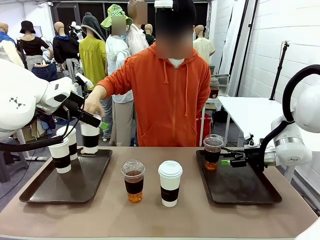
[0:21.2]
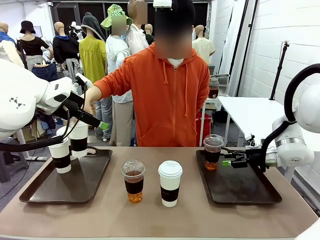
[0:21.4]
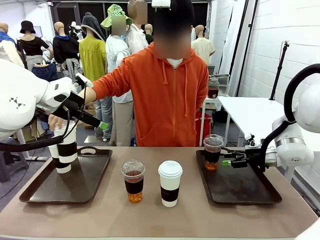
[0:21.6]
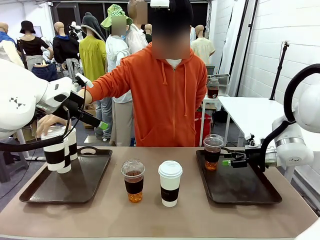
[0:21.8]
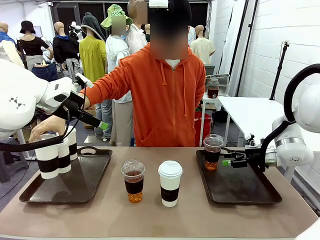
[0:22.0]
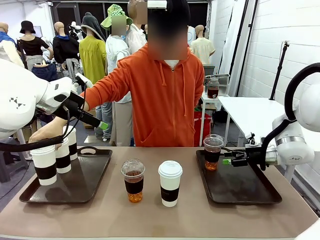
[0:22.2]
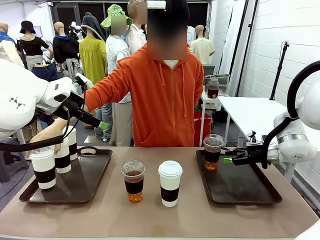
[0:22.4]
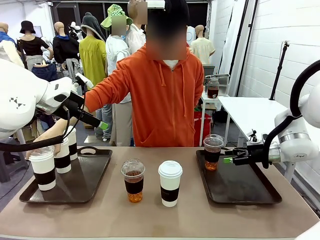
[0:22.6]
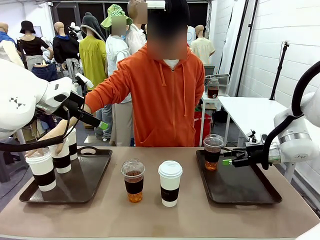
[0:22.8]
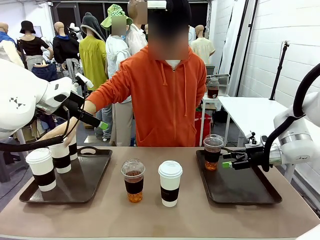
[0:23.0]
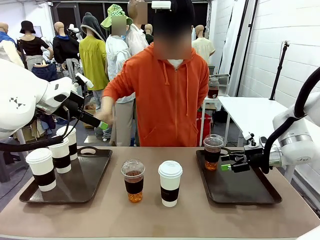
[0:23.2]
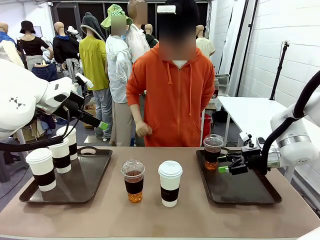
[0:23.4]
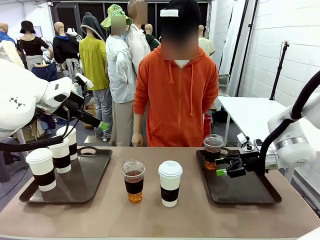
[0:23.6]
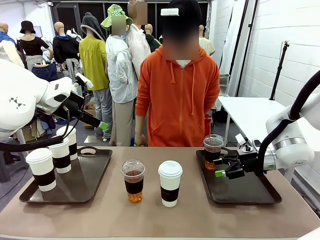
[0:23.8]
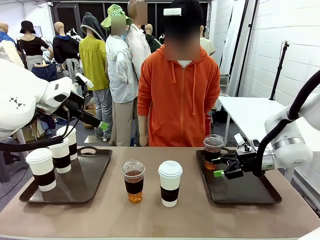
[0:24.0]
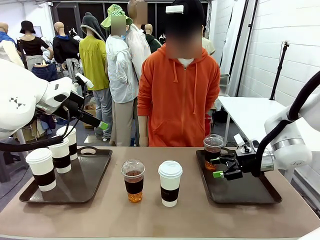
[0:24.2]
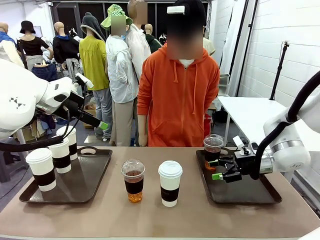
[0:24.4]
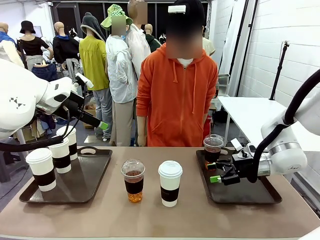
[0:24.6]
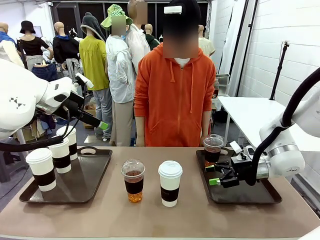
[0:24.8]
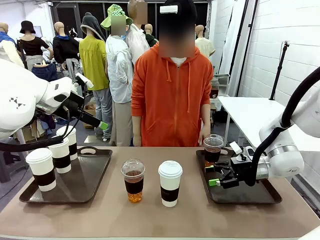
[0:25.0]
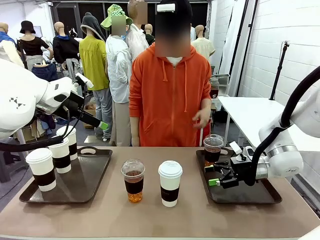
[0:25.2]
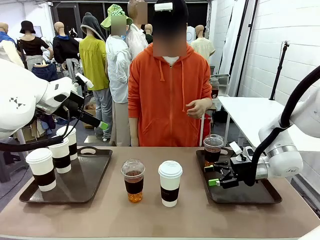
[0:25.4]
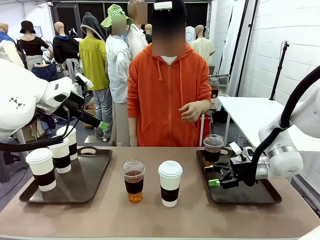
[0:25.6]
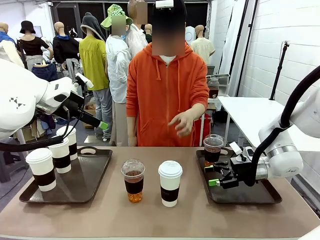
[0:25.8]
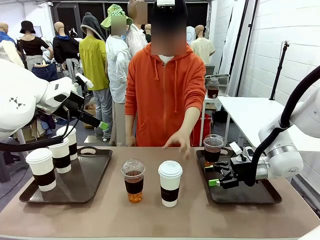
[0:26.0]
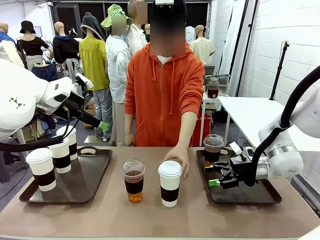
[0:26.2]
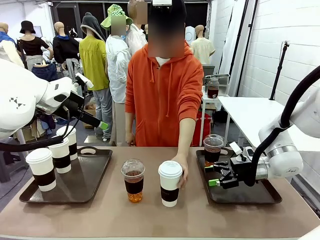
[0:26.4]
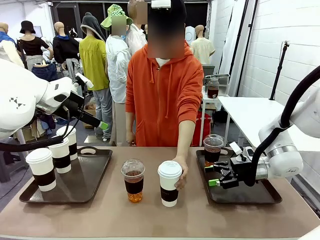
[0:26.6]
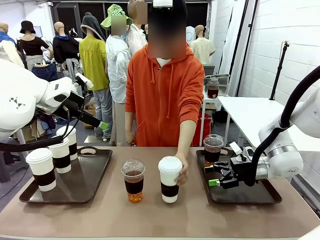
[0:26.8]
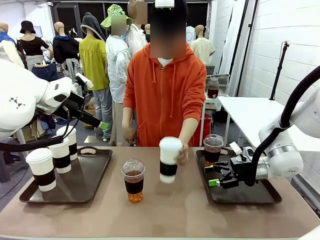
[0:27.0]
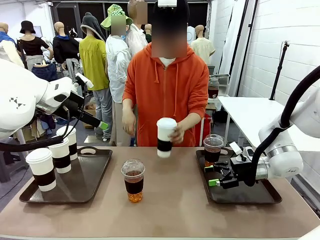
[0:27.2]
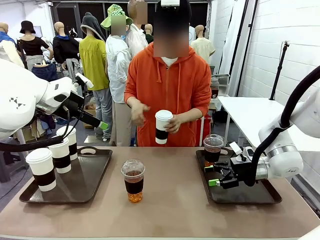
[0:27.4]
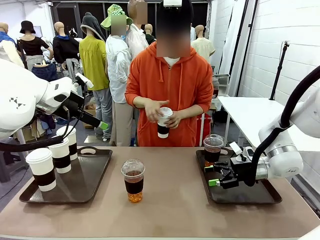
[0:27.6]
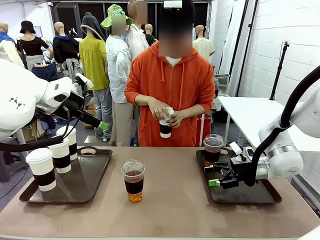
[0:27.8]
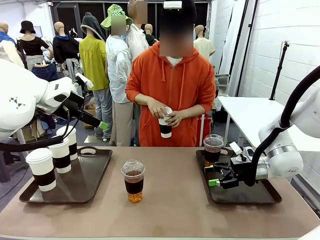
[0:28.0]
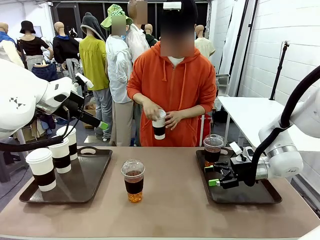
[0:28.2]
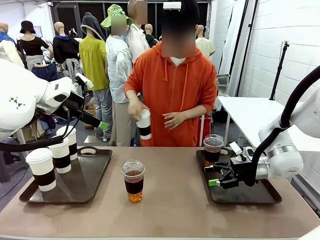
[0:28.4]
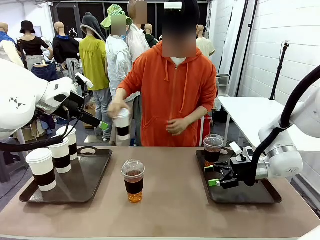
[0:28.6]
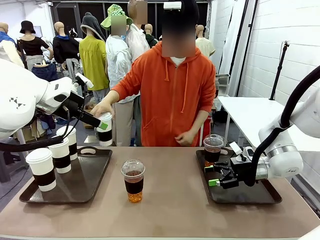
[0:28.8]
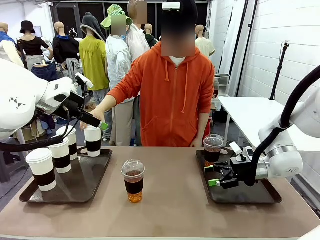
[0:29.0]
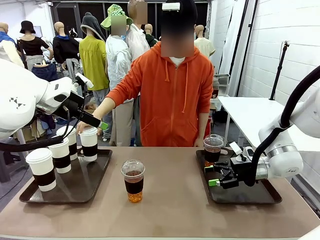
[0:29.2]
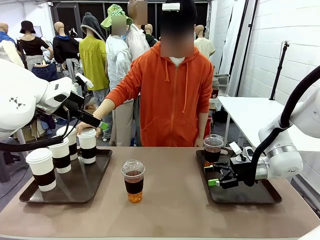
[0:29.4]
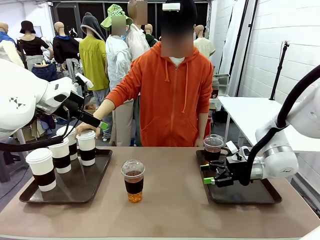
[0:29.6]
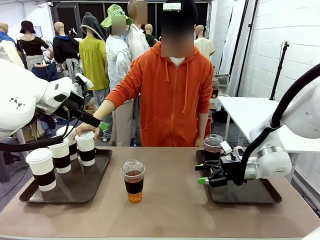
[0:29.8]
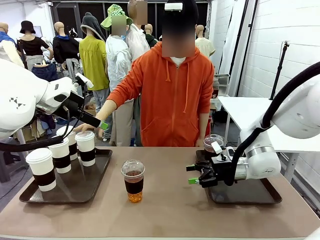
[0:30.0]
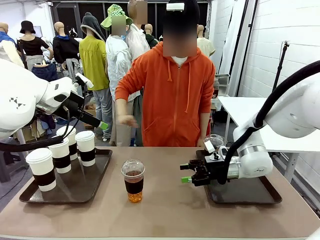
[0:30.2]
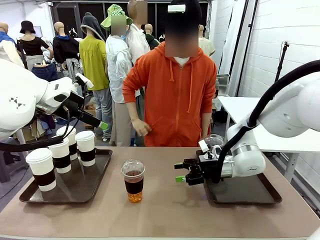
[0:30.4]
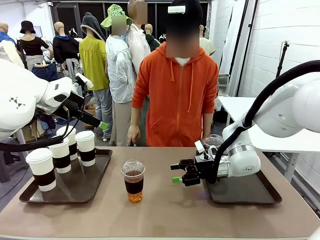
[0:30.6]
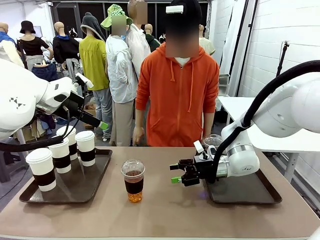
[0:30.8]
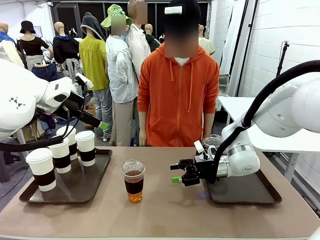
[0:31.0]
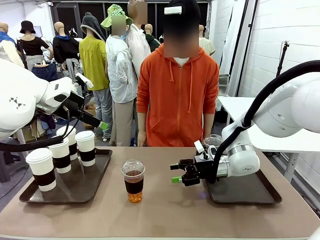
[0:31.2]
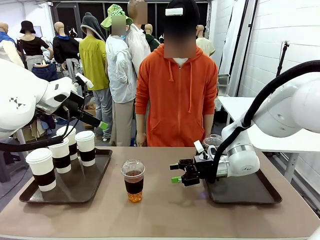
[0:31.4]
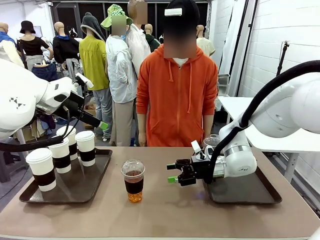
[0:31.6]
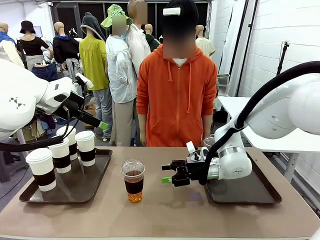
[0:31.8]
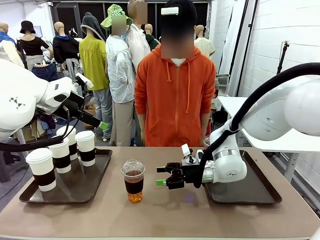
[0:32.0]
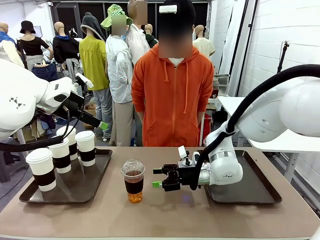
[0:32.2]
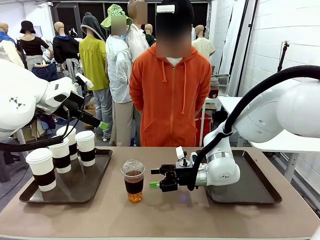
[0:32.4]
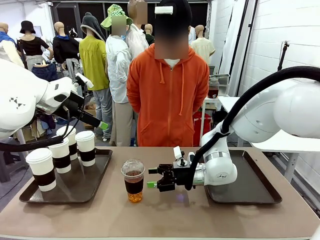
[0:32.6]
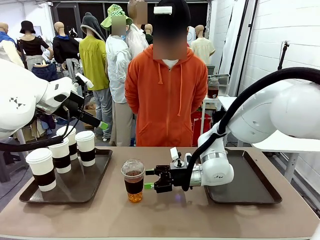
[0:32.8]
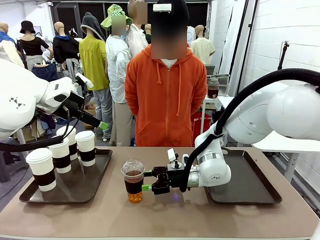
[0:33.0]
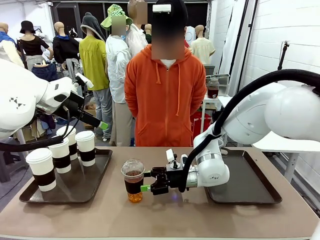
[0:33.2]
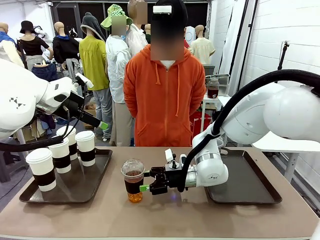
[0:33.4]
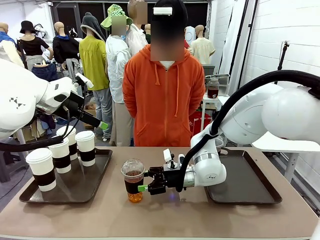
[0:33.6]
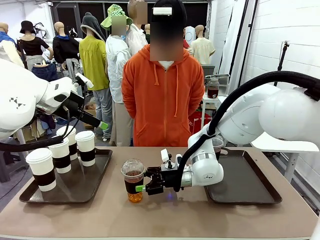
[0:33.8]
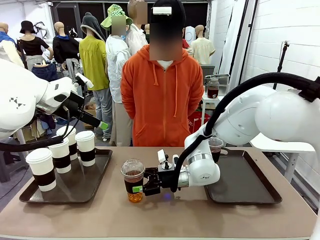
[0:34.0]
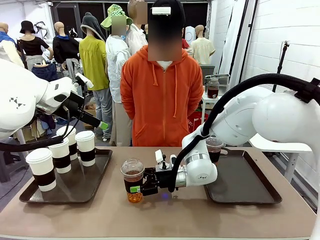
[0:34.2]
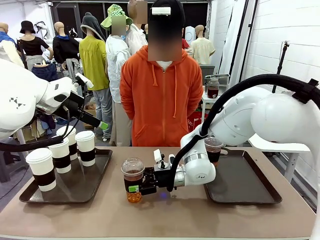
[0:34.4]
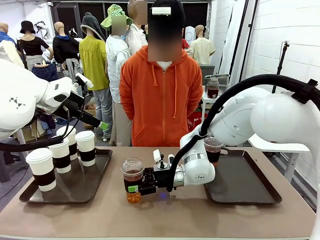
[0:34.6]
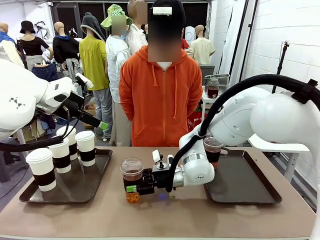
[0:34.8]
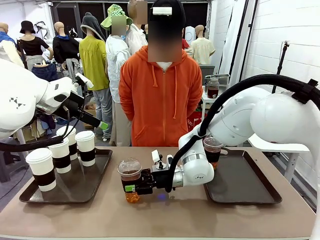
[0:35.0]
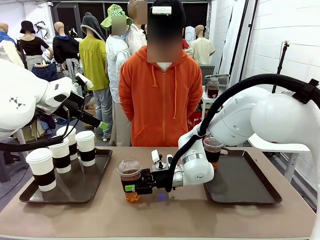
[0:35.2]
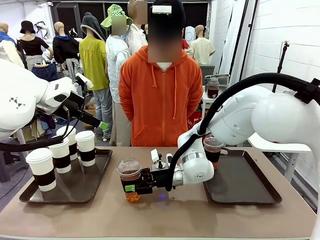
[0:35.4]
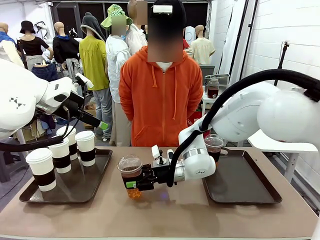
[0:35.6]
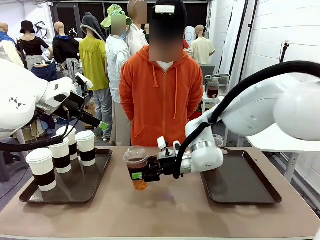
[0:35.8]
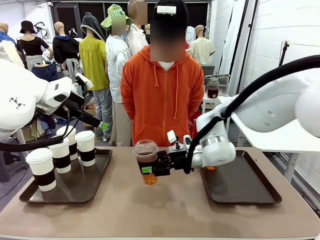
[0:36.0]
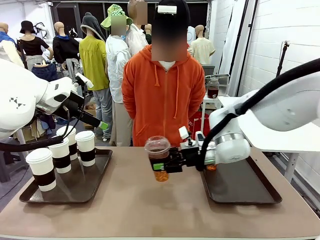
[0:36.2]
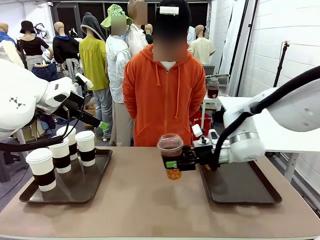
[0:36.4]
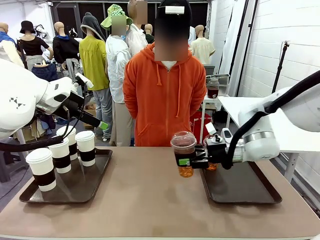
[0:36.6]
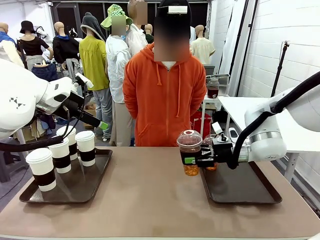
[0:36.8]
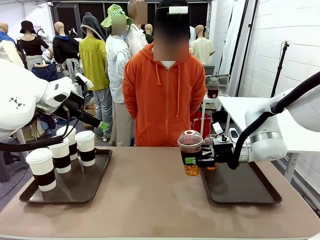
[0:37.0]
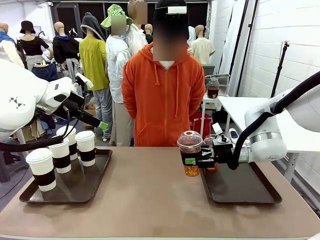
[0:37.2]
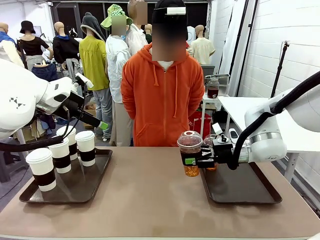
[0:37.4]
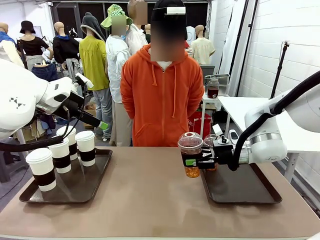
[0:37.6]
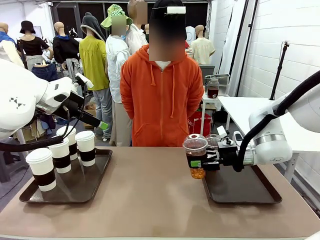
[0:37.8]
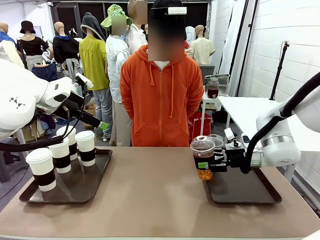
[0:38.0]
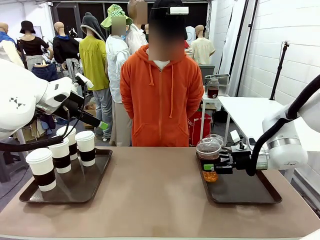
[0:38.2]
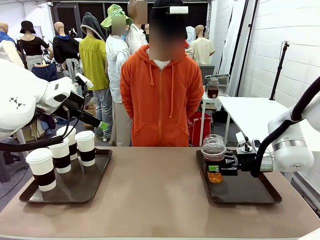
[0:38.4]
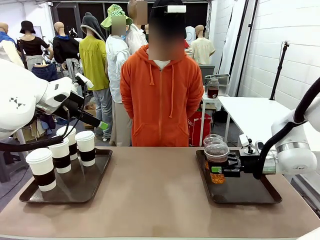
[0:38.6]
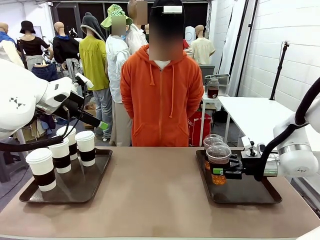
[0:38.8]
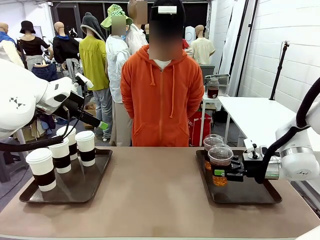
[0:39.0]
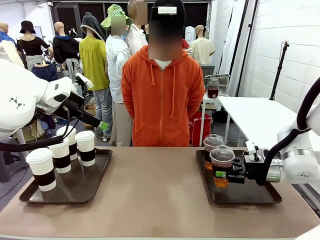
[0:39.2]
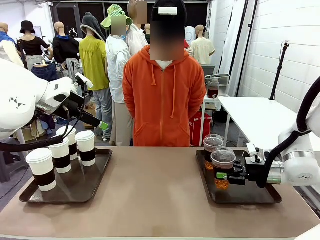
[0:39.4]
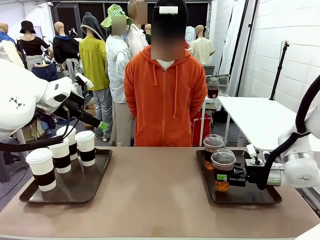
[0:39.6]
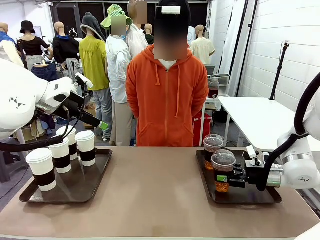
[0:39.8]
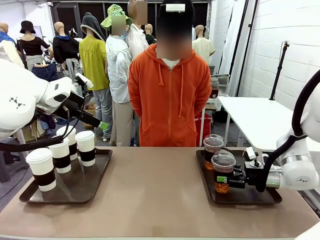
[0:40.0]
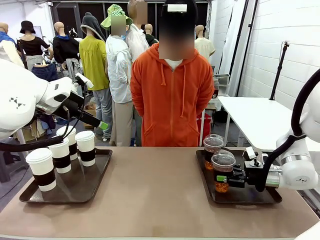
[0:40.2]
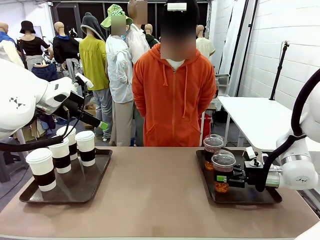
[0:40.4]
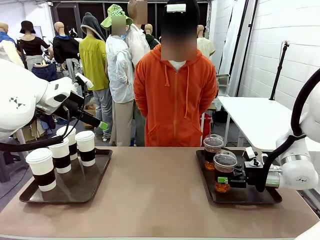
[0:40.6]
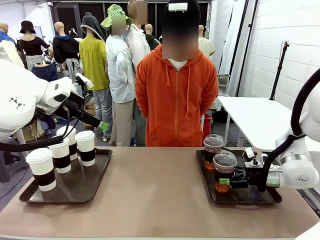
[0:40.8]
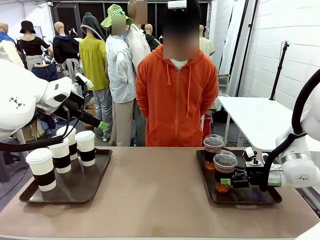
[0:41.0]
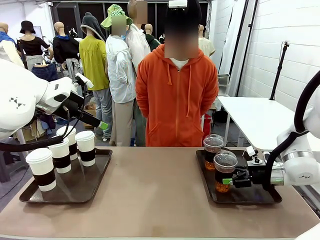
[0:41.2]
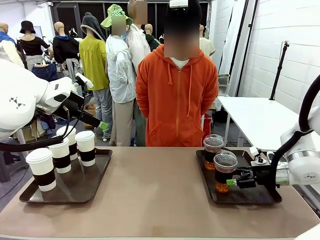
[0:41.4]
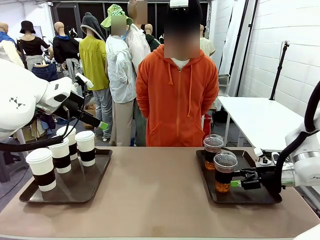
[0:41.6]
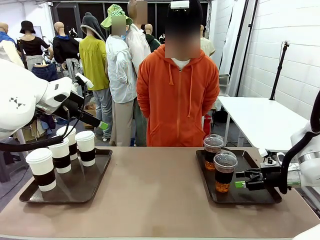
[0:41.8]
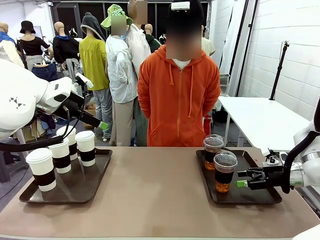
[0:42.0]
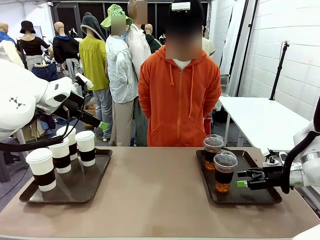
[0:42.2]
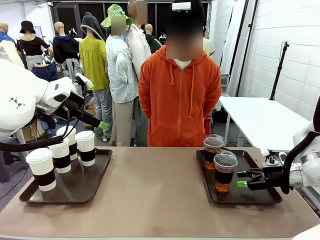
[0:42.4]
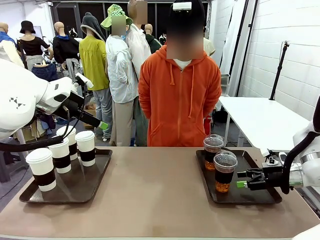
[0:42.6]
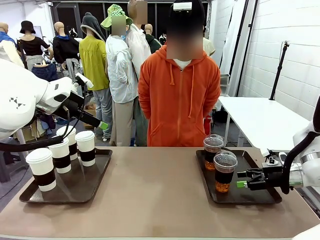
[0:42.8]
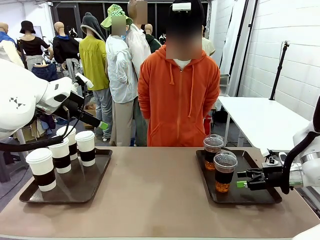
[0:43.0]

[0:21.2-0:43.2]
Task: Distribute the coffee onto the tray.
Robot: Pick up another iced Americano from the middle of the table and place it on the right Handle tray.
Person: Pick up a cup of hot Americano from the middle of the table and place it on the right tray.
